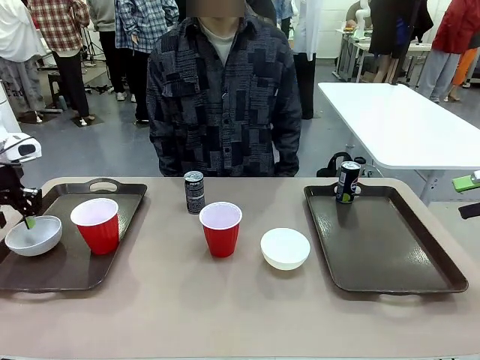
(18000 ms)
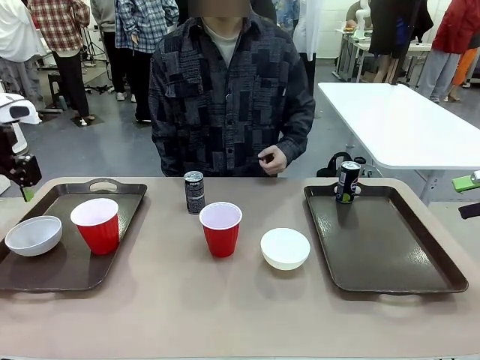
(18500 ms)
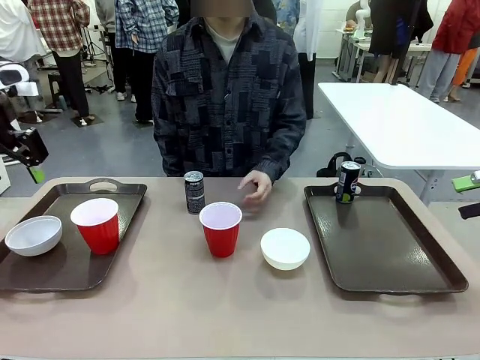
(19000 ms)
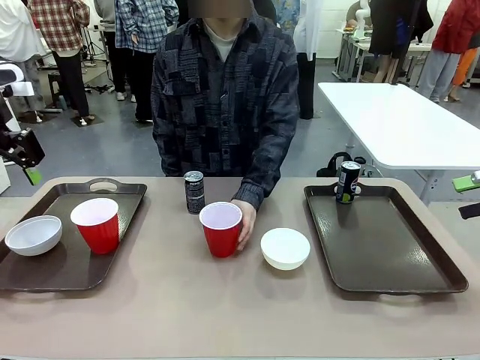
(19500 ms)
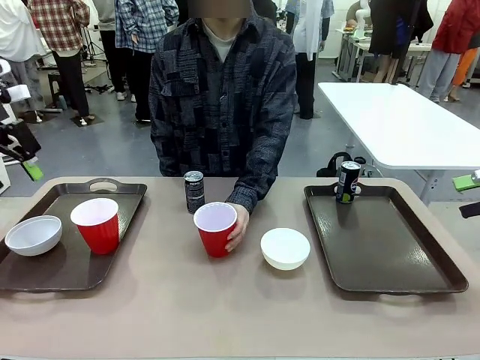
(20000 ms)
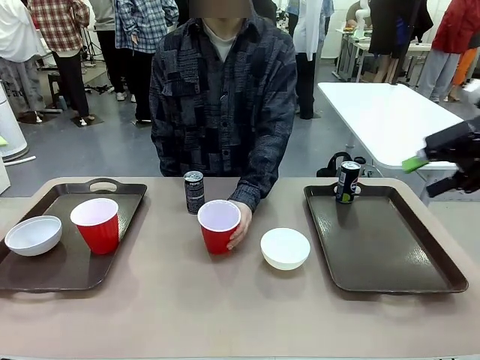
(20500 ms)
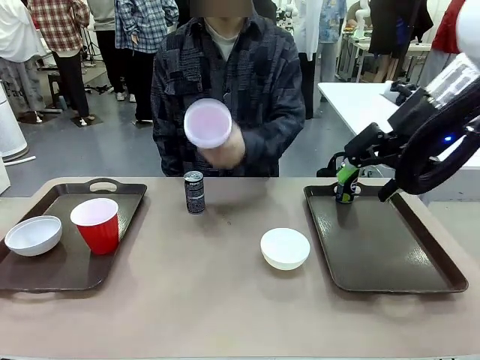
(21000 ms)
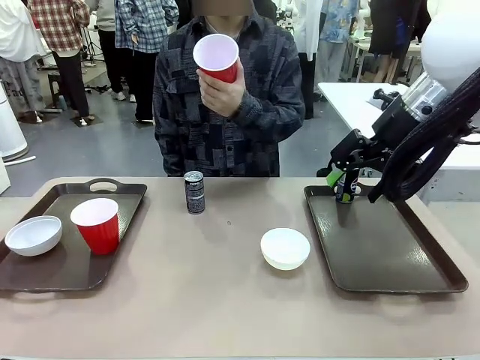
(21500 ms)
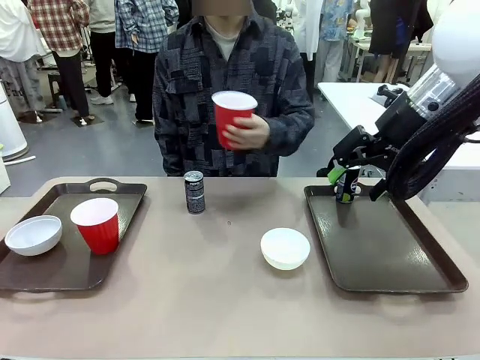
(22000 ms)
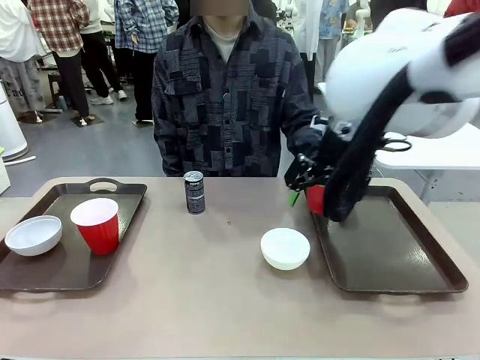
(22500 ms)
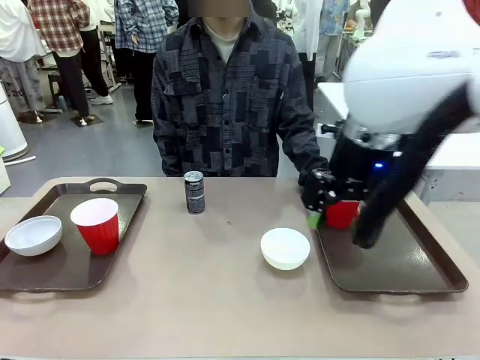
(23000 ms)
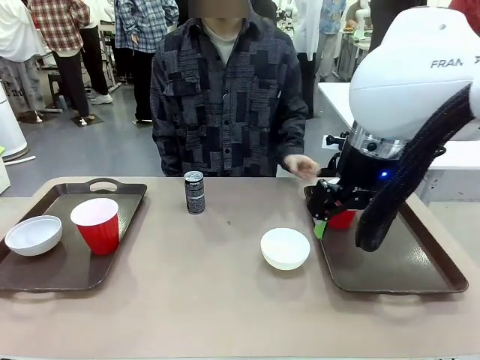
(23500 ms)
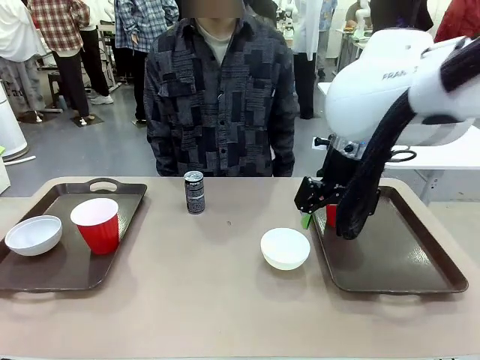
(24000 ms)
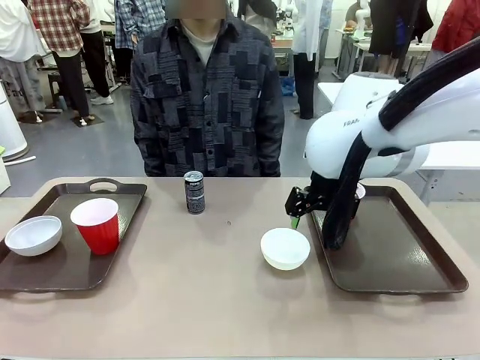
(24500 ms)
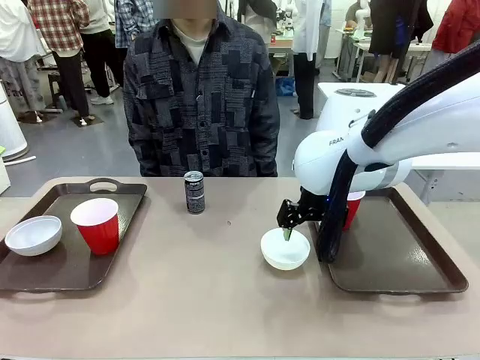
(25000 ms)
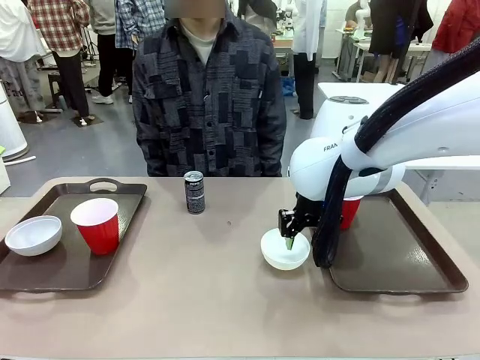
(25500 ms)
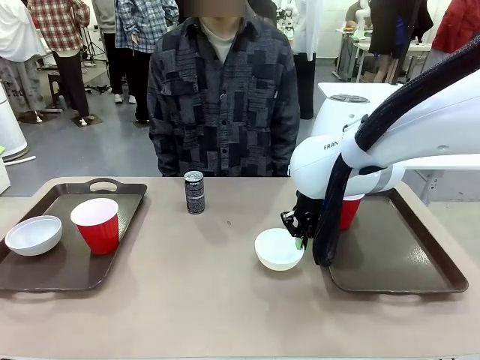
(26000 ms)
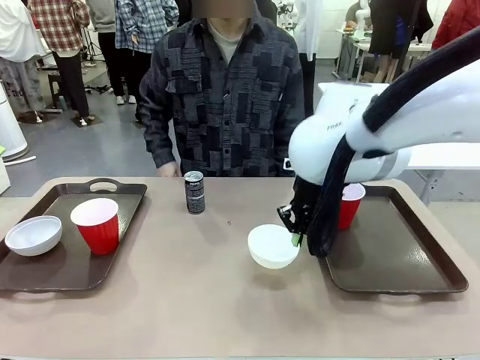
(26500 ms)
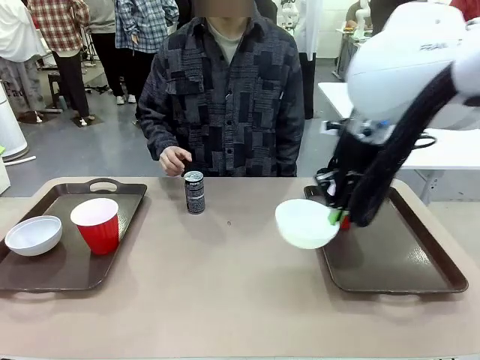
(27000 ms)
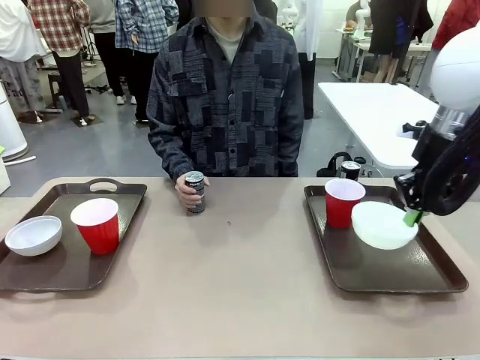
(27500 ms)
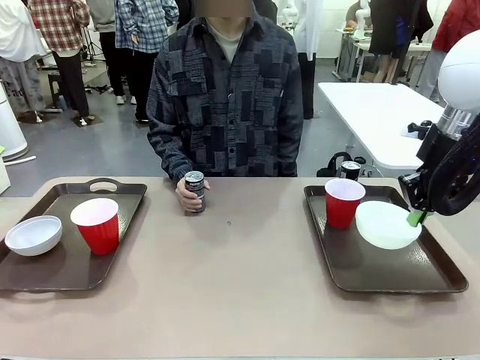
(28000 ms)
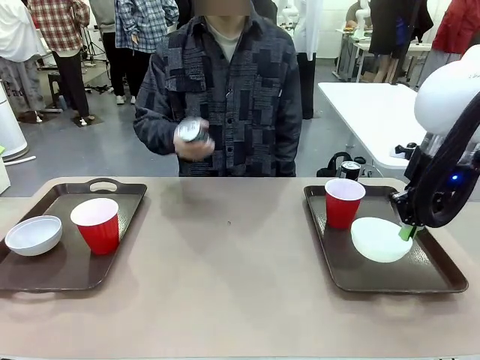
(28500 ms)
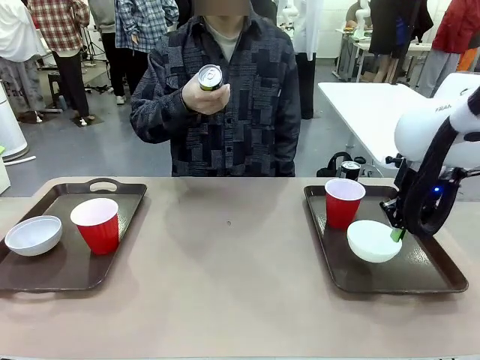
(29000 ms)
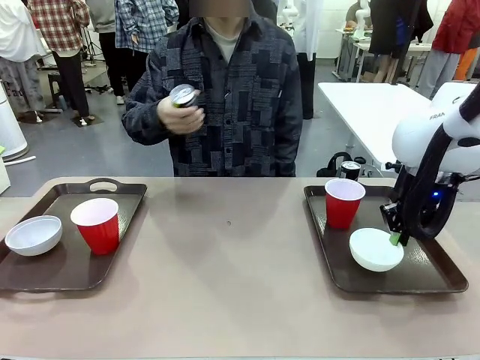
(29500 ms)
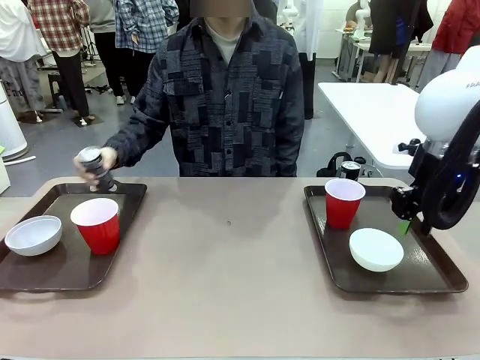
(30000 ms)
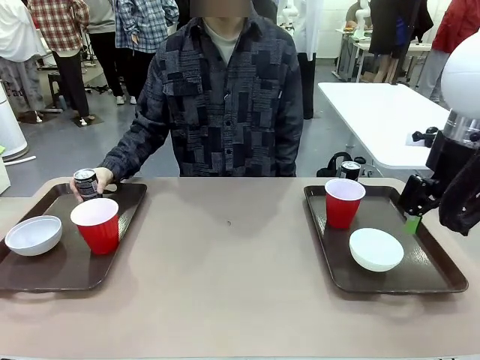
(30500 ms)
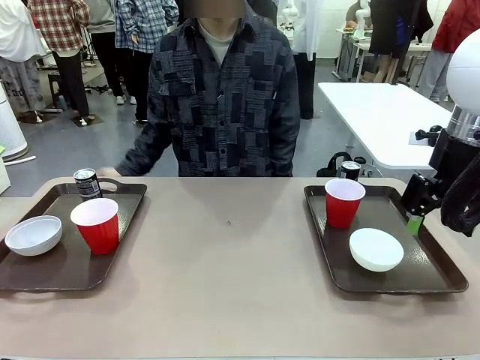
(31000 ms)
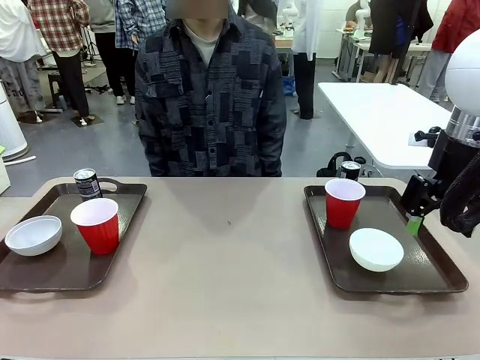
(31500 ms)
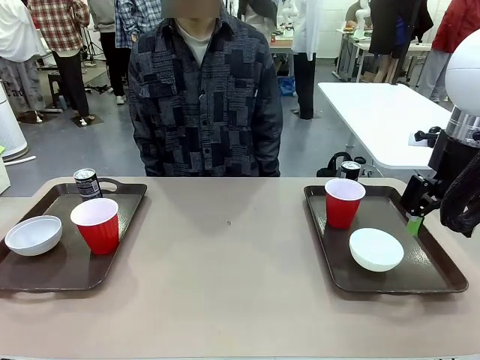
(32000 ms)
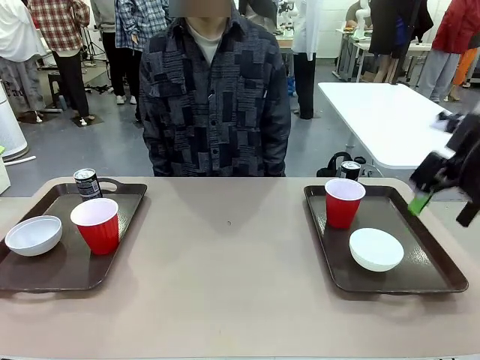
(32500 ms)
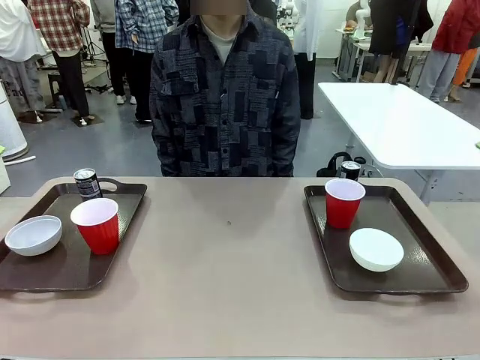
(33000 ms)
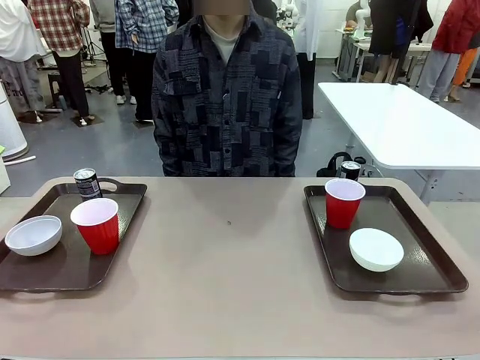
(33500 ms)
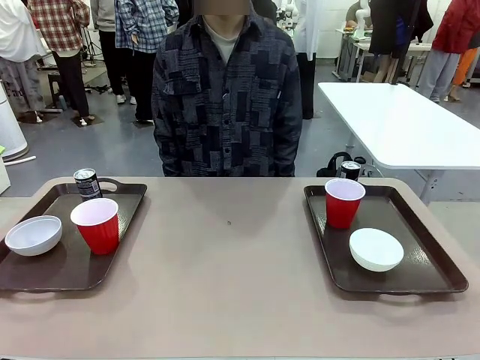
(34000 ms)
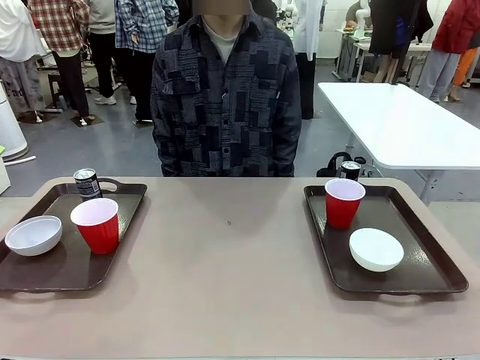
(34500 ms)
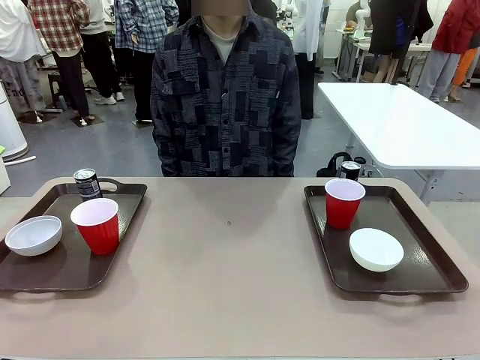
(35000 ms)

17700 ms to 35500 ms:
Task: Prepare tableware on both trays.
Robot: Pick up a Picnic Bowl from the table and place it on a Handle tray.
Person: Pick up a can or cup and place it on the tray without a can or cup.

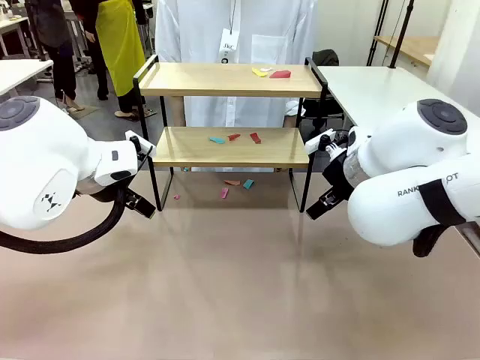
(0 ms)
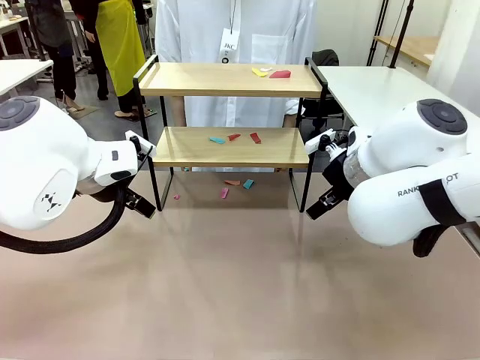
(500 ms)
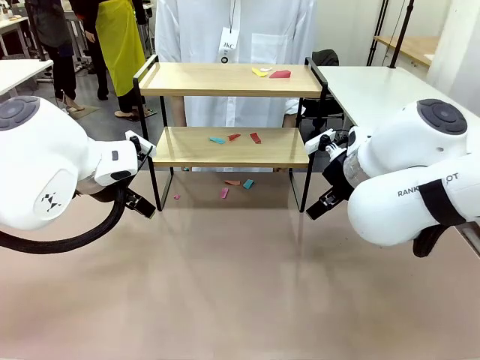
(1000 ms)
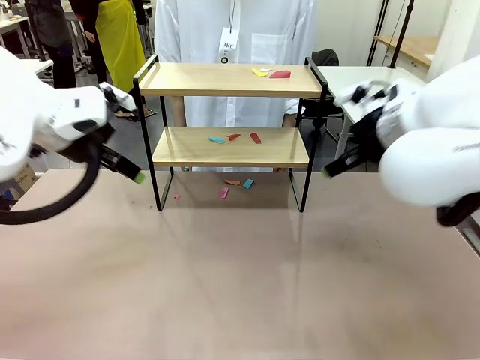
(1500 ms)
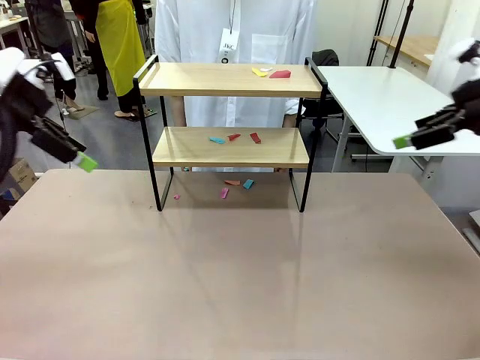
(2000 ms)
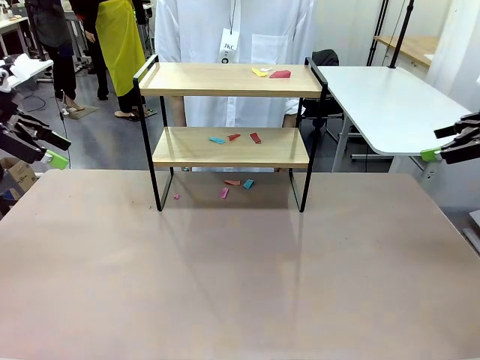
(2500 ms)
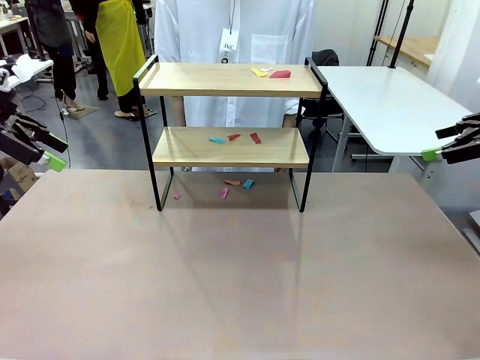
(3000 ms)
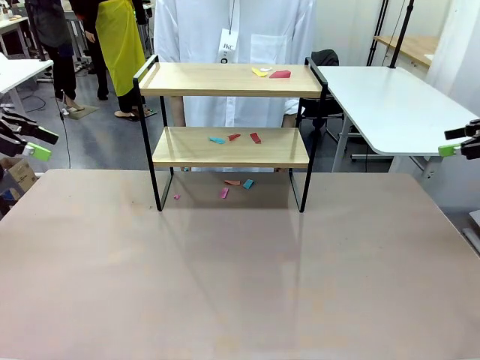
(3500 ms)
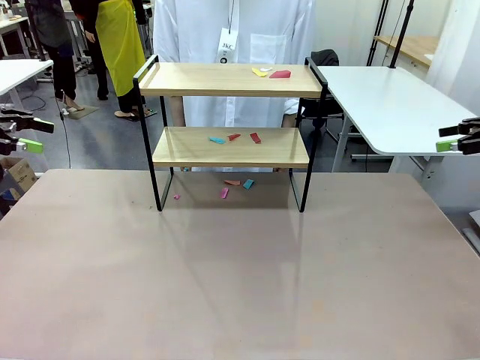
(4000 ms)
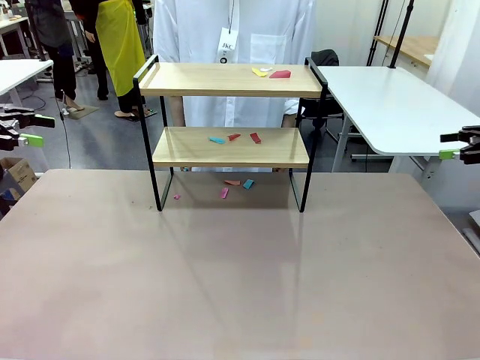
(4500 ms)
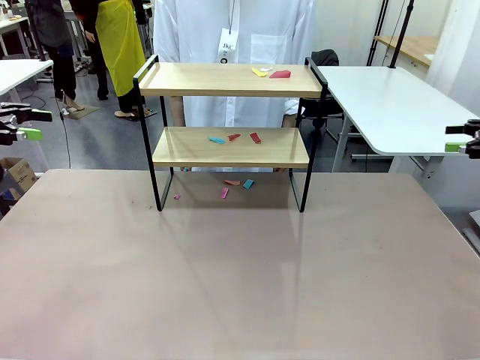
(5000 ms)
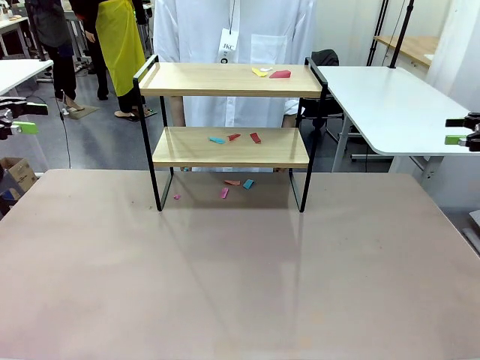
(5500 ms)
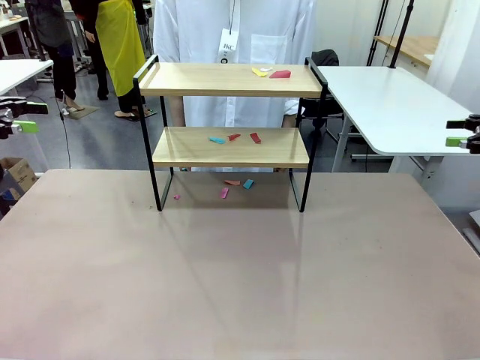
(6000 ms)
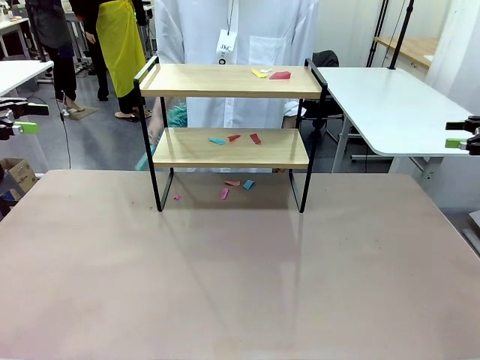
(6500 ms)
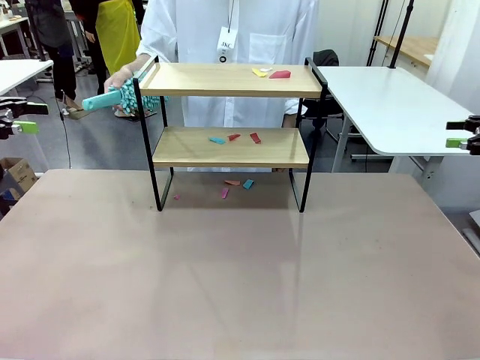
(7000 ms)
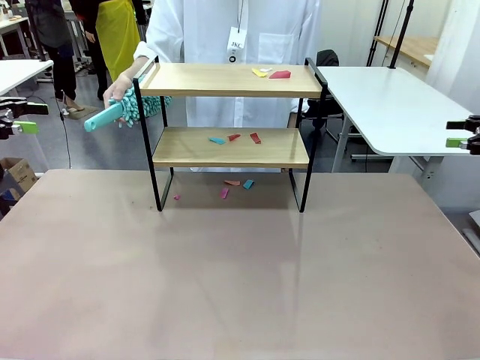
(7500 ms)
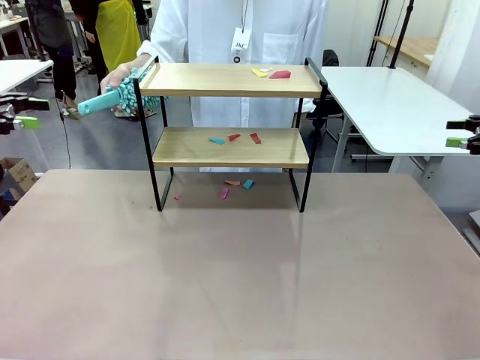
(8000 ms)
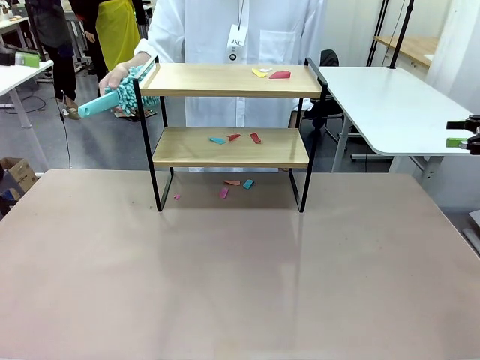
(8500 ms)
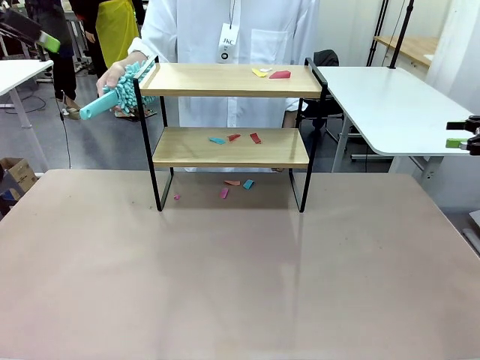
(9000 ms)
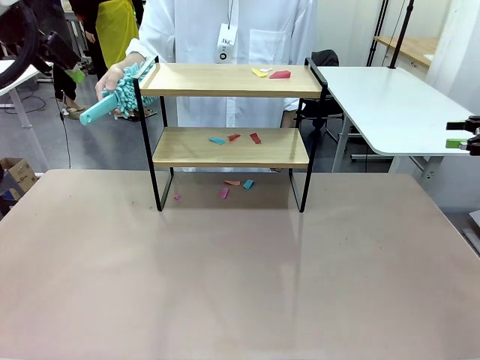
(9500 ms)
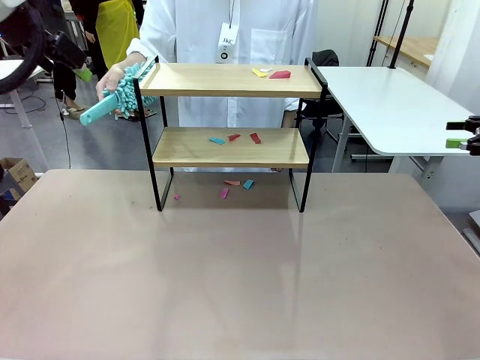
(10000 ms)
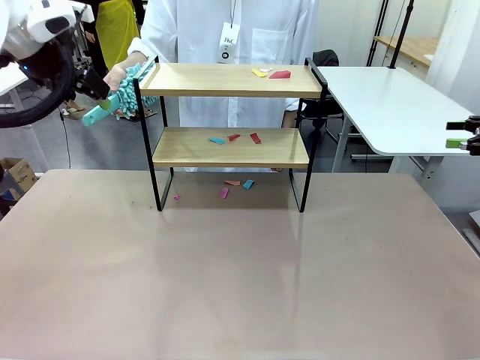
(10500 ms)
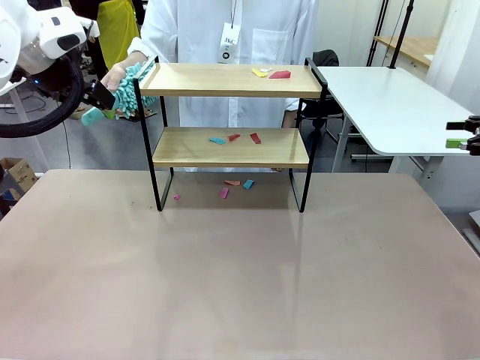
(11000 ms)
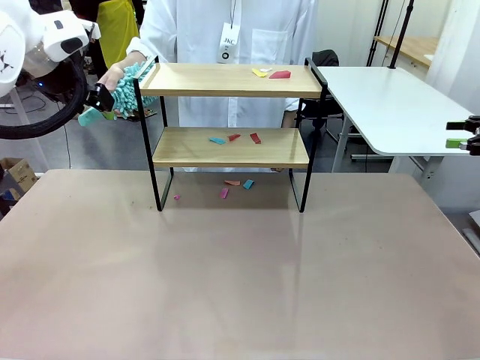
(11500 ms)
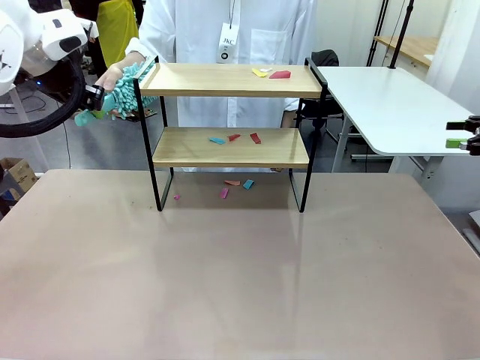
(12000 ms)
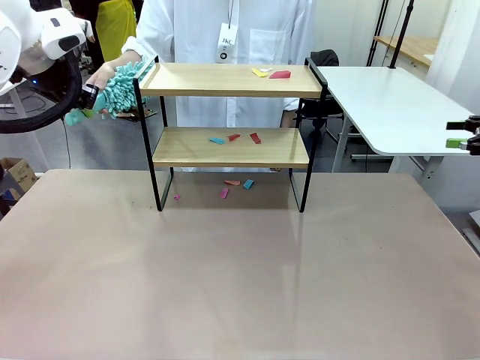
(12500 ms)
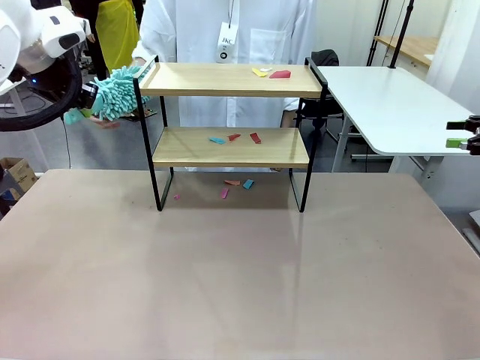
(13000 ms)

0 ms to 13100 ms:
Task: Clean the shelf.
Robot: Pick up the Duster handed by the human.
Person: Hand the Duster to the robot.
